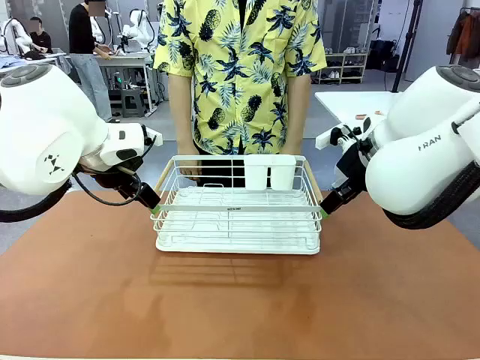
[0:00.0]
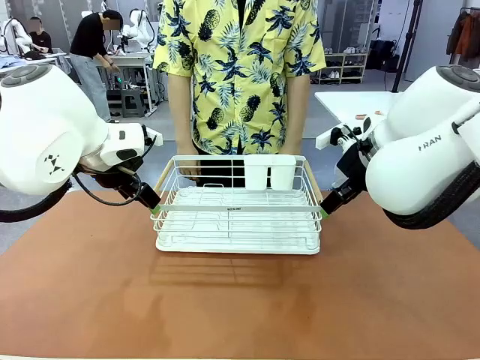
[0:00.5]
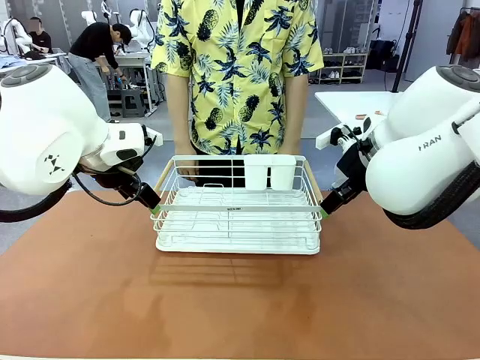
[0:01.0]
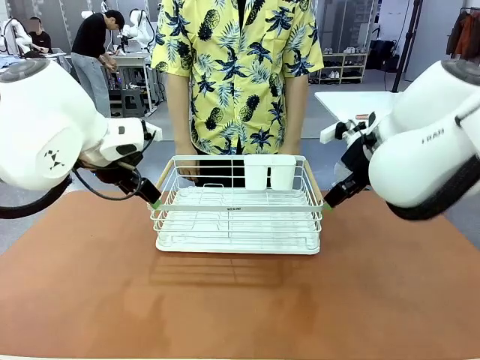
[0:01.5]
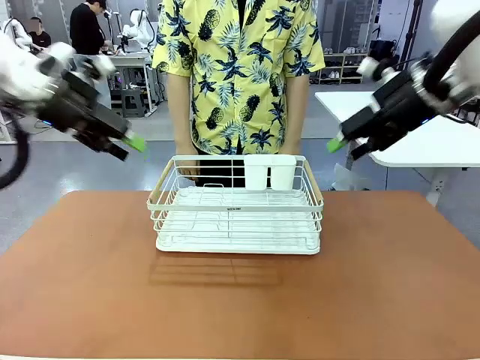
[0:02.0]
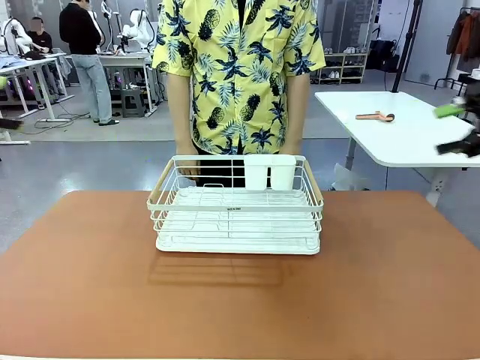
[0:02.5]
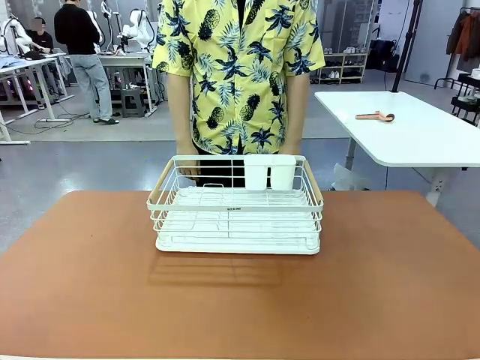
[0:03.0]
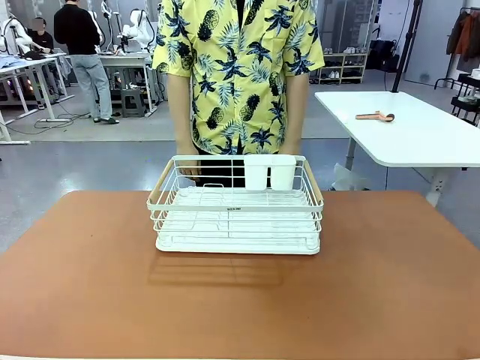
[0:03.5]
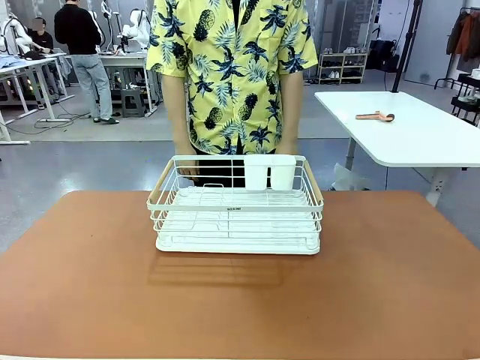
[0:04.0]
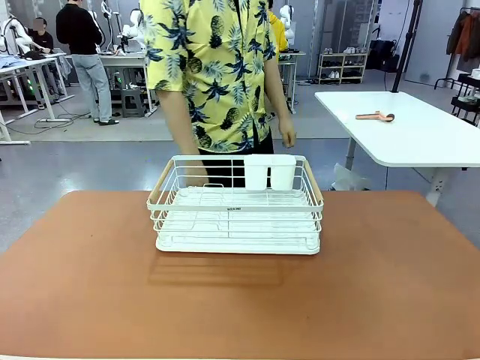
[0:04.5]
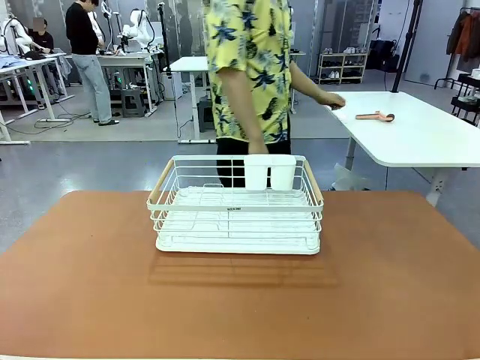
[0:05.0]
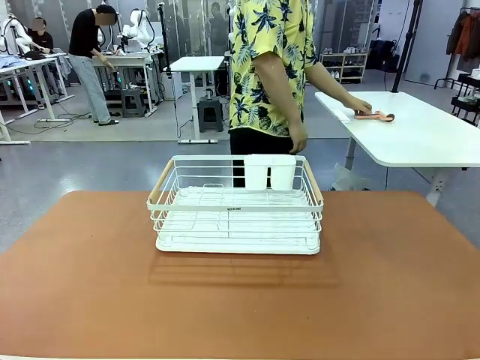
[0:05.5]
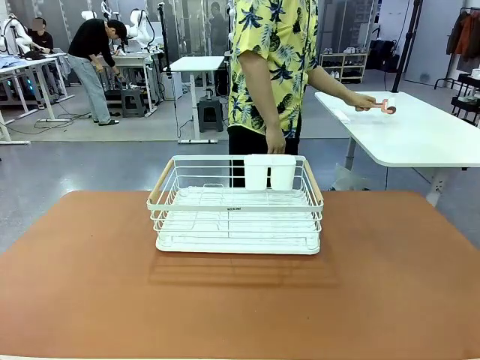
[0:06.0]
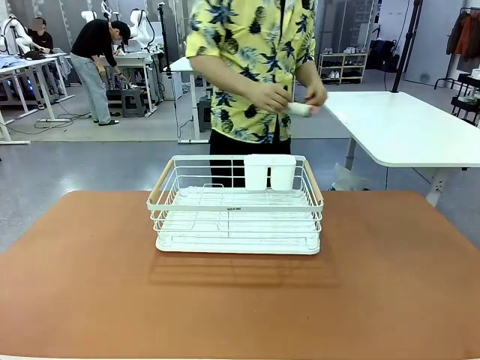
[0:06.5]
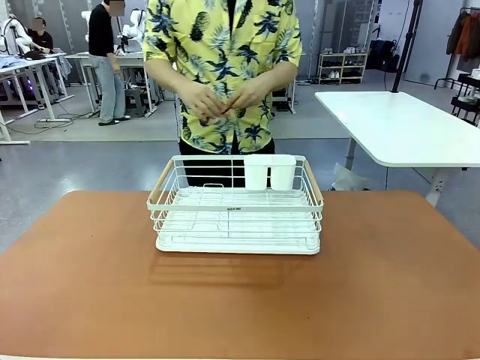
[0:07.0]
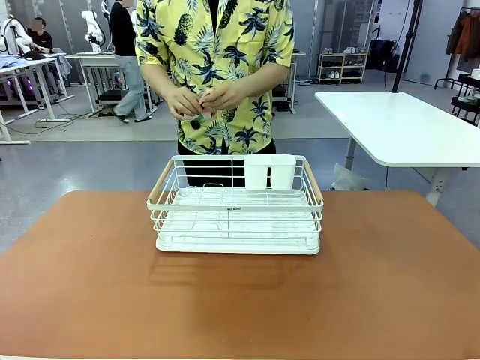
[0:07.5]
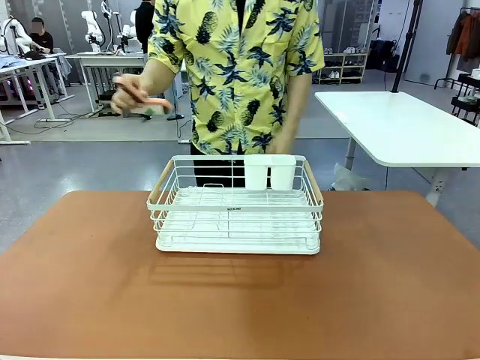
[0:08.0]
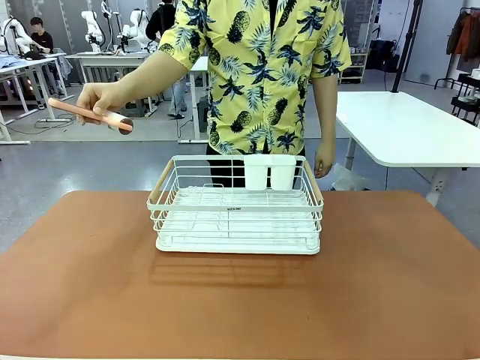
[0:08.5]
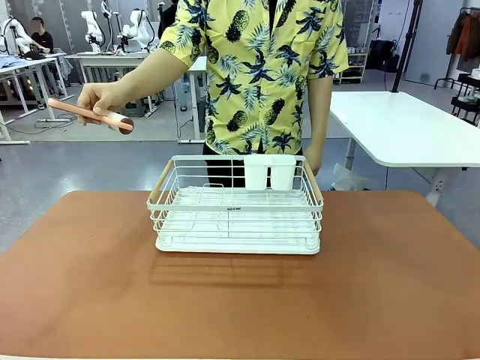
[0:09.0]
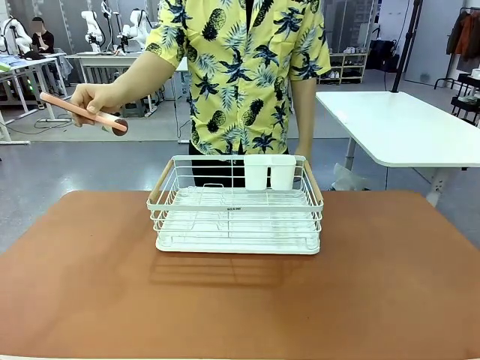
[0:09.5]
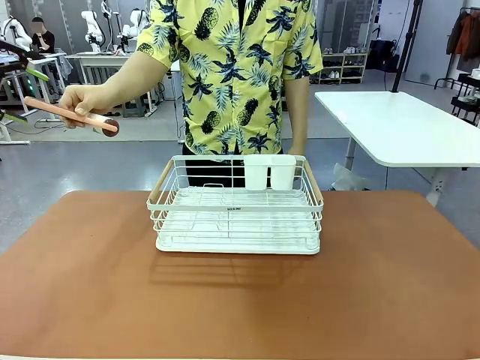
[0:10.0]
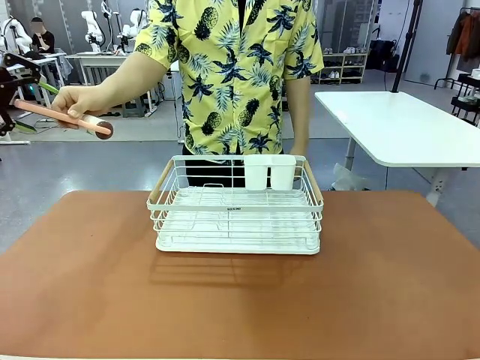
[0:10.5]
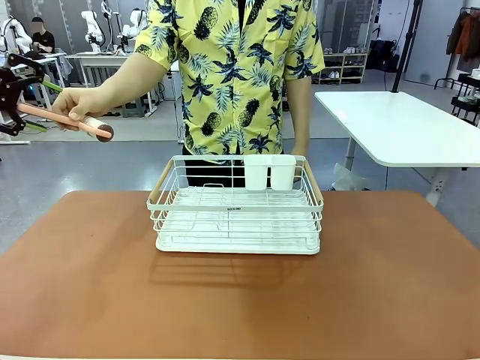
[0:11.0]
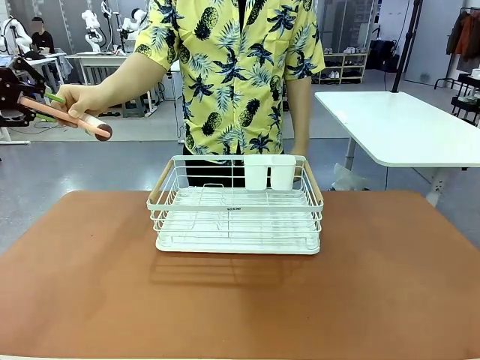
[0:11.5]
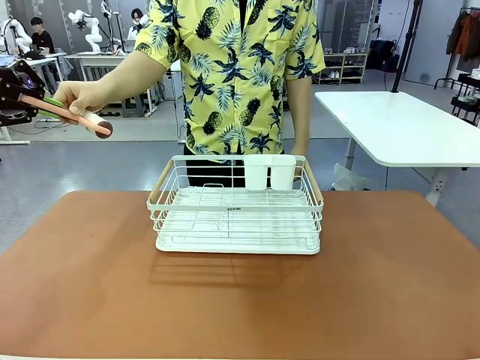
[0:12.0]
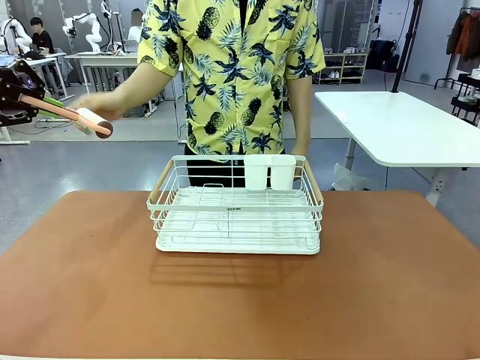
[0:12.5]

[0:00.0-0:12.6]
Task: Clean the table.
Robot: Pick up the Lint Roller when the human hands it over.
Person: Hand the Lint Roller to the robot so it can easily pick it up. Lift the Dish drying rack.

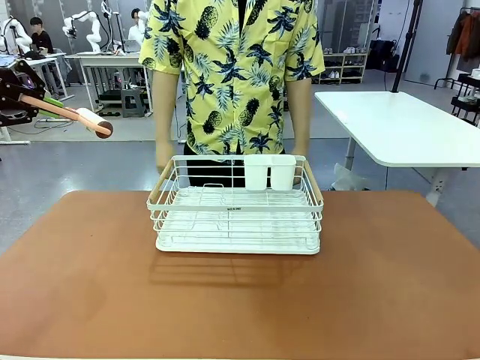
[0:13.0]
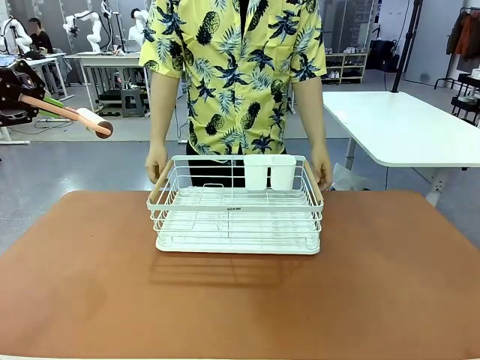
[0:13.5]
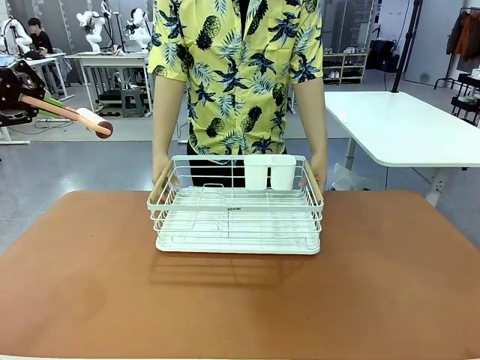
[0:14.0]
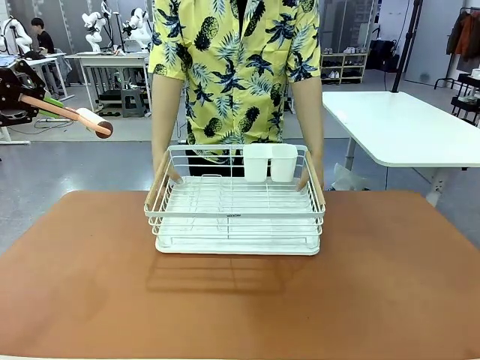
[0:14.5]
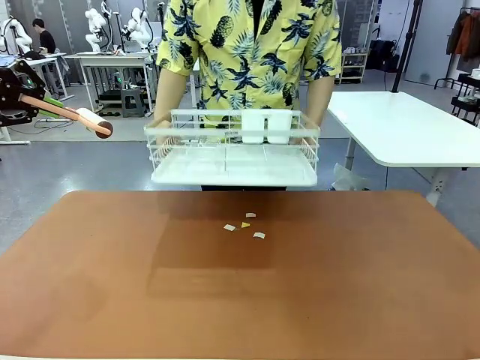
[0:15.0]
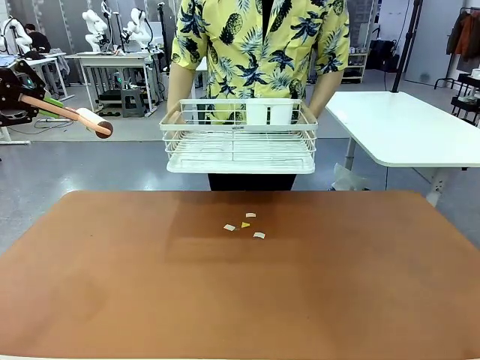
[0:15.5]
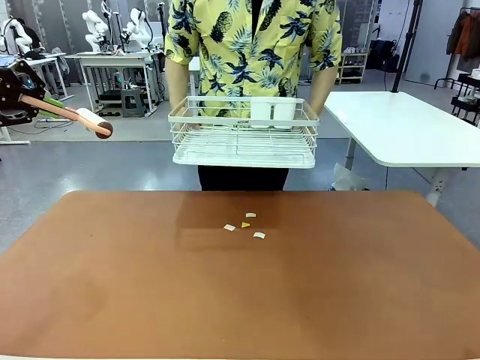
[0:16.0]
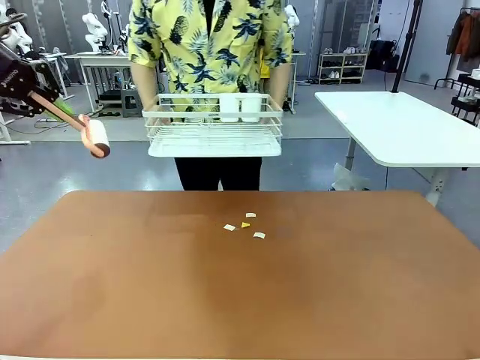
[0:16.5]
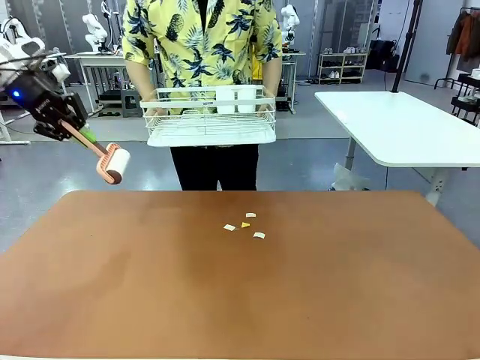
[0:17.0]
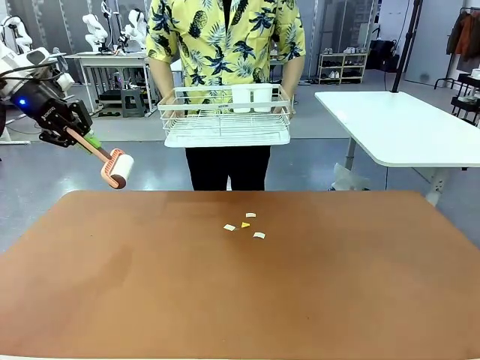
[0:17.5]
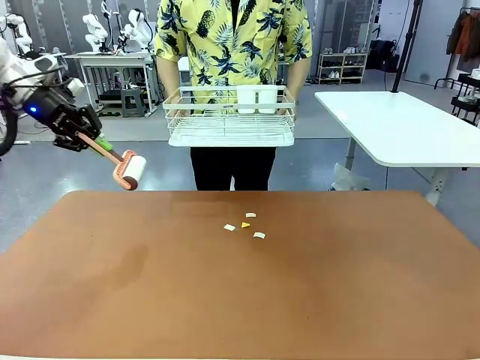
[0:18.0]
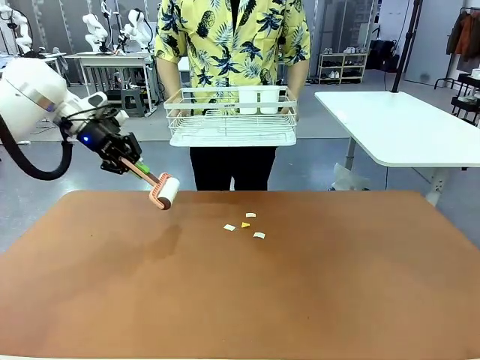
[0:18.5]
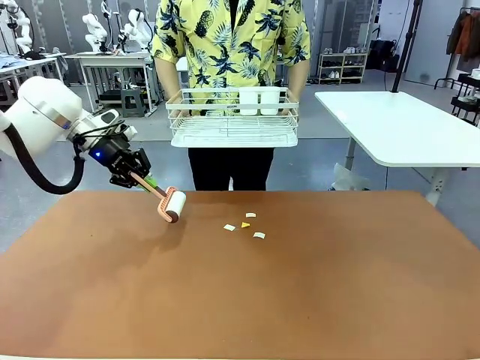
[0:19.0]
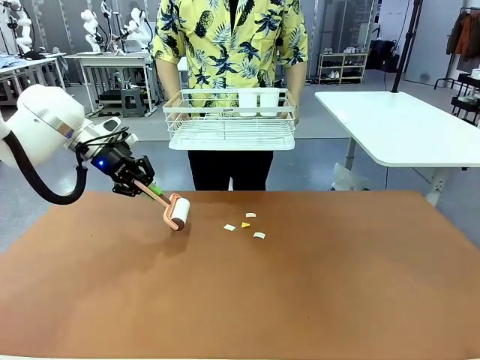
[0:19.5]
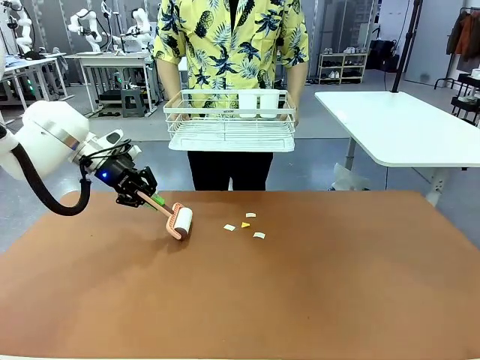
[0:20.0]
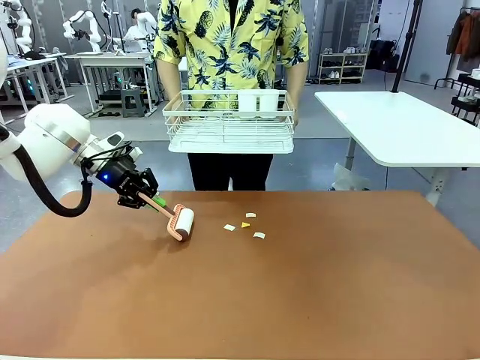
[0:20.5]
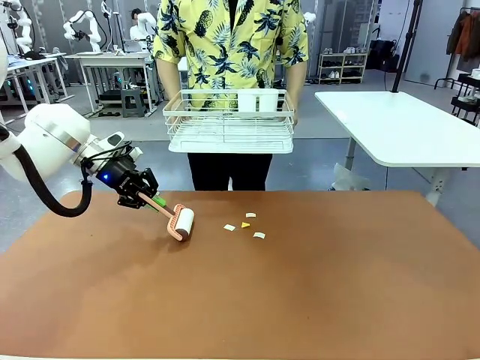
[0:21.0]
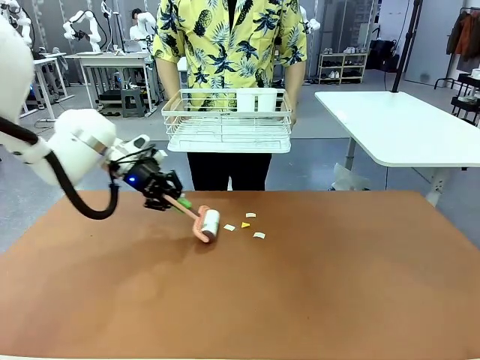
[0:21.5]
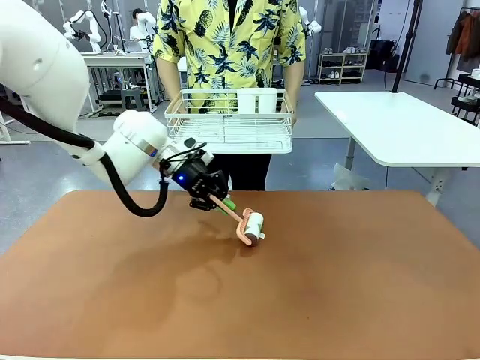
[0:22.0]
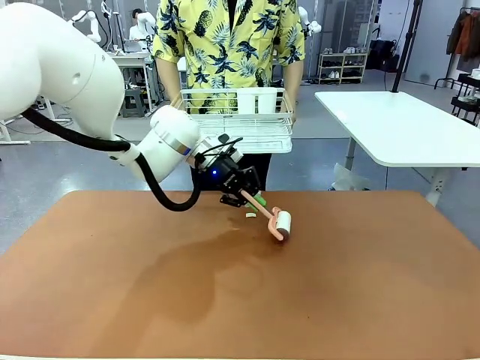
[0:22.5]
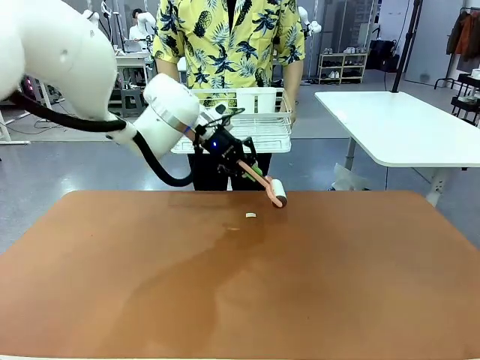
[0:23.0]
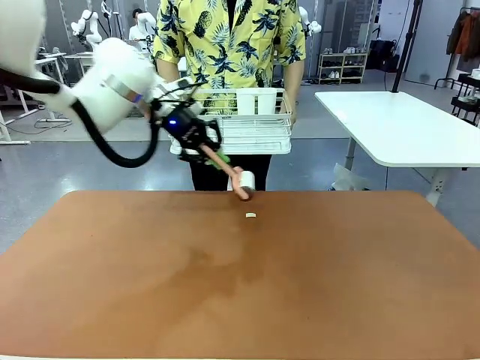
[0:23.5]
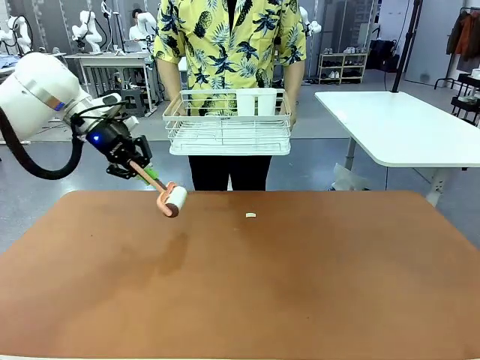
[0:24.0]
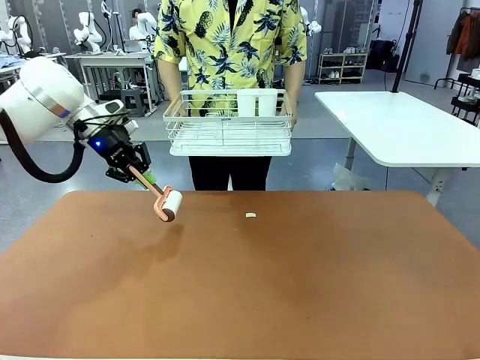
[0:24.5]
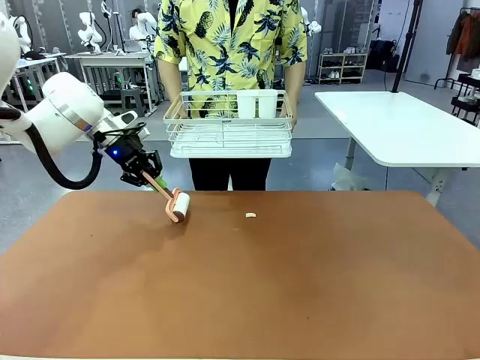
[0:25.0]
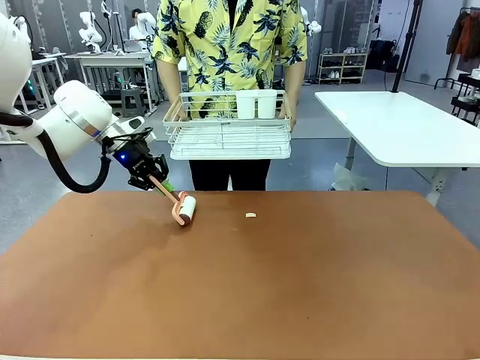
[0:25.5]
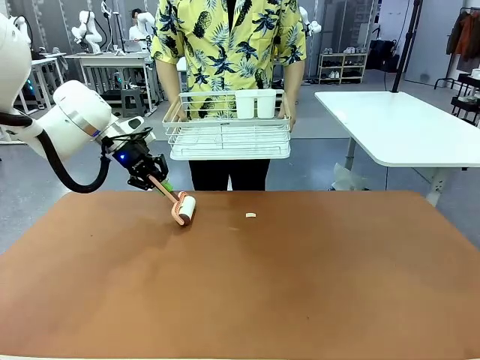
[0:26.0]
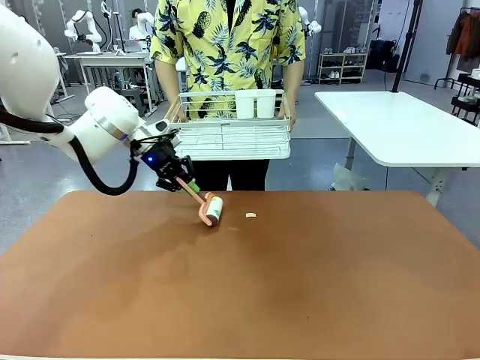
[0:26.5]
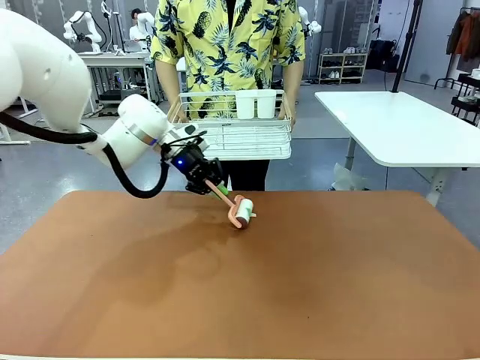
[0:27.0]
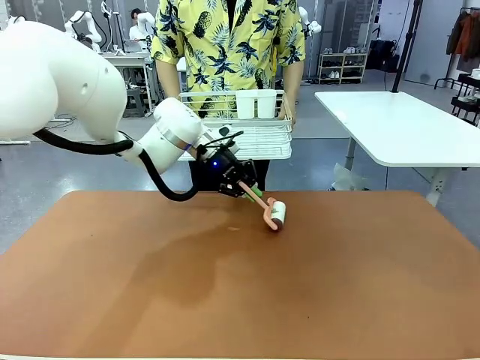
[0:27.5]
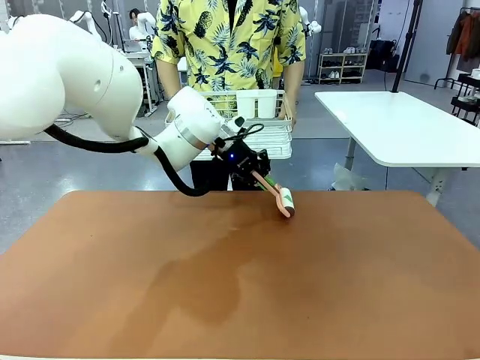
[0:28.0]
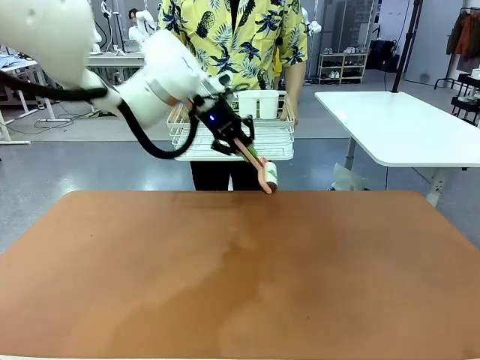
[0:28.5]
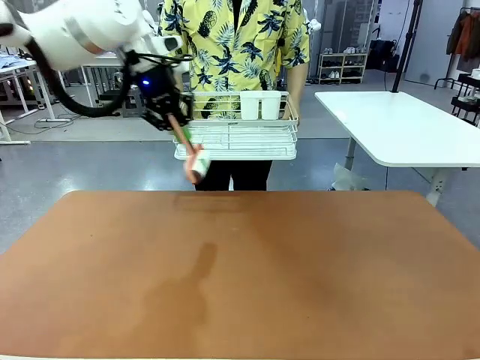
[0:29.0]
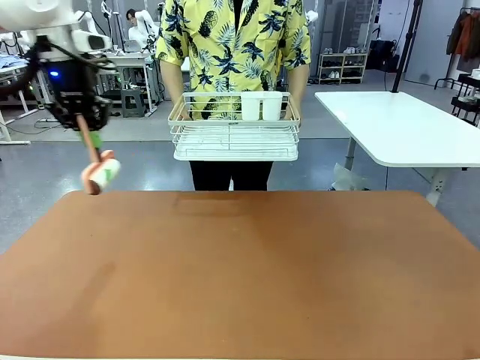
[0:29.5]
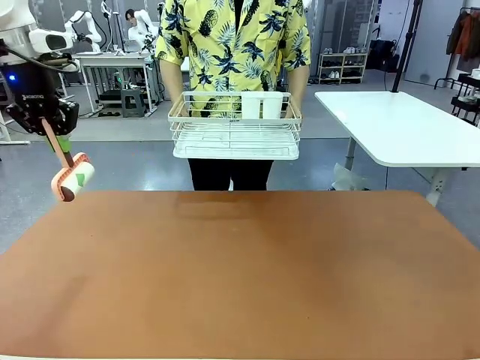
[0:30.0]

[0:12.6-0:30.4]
Robot: Clean the table with the Lint Roller when the human lifts the Dish drying rack.
Person: Place the Dish drying rack down when the robot finishes cleaning.
